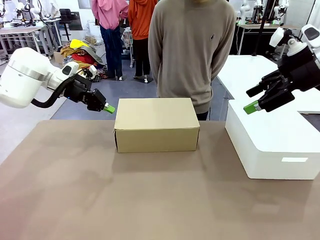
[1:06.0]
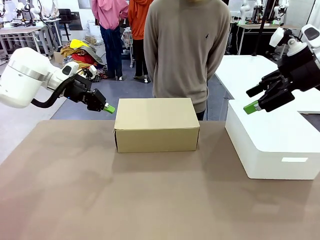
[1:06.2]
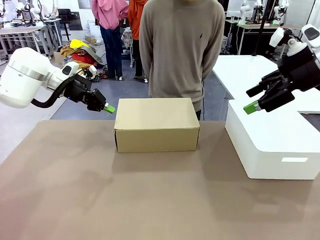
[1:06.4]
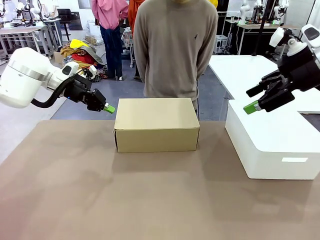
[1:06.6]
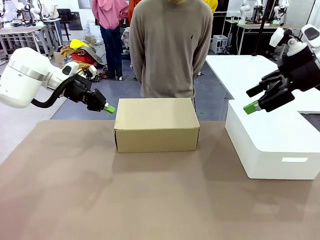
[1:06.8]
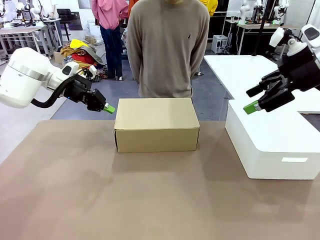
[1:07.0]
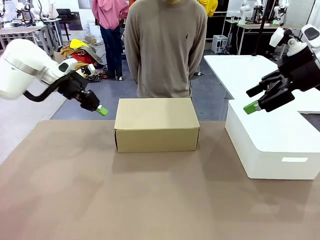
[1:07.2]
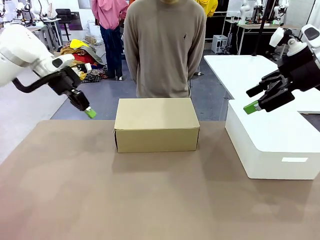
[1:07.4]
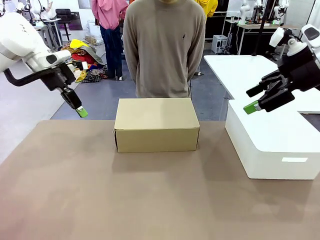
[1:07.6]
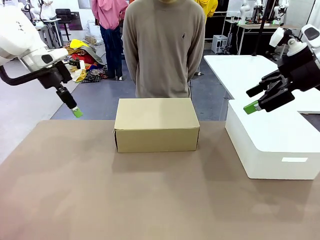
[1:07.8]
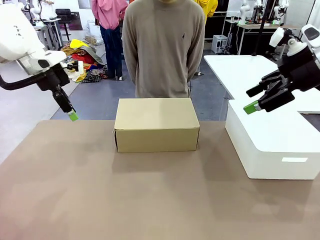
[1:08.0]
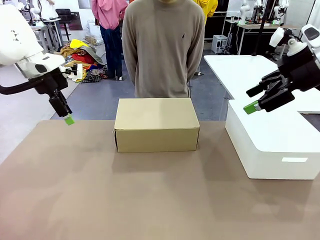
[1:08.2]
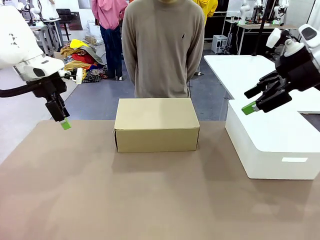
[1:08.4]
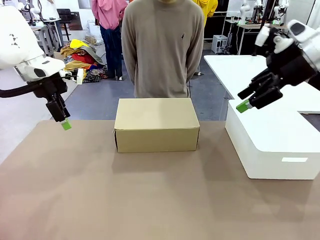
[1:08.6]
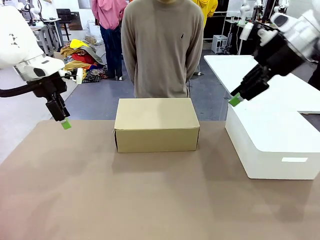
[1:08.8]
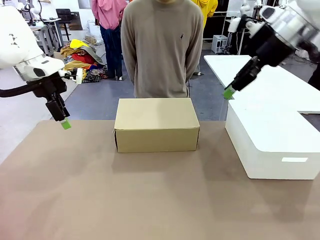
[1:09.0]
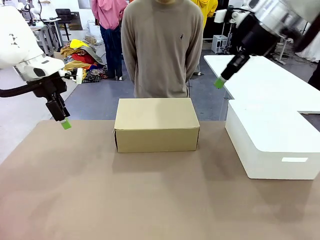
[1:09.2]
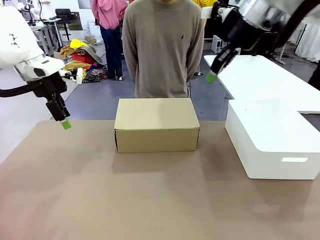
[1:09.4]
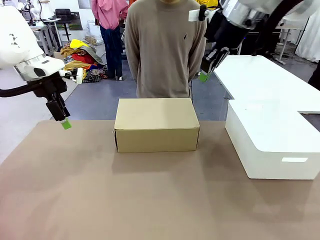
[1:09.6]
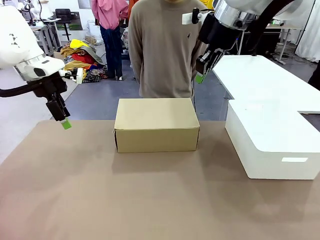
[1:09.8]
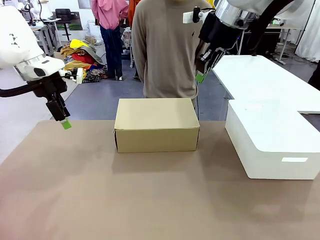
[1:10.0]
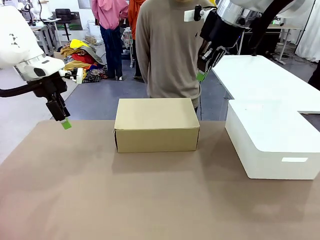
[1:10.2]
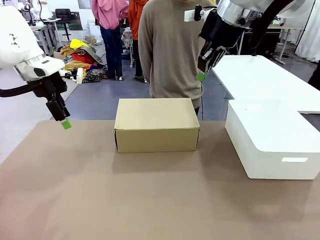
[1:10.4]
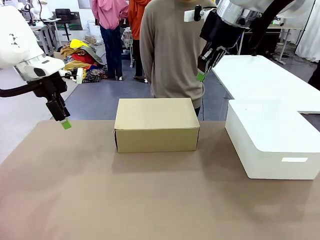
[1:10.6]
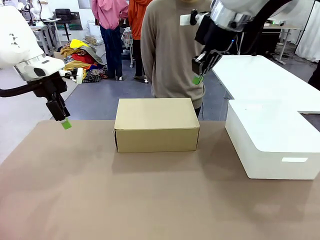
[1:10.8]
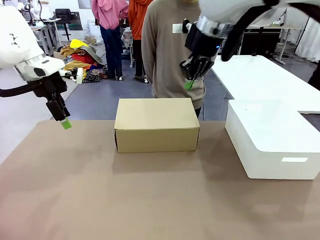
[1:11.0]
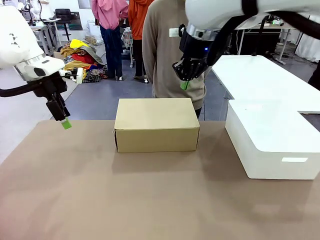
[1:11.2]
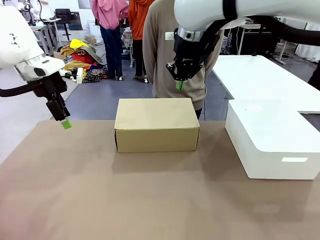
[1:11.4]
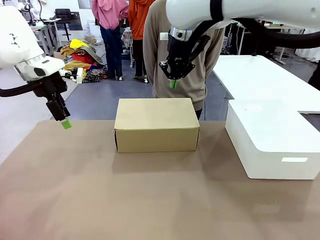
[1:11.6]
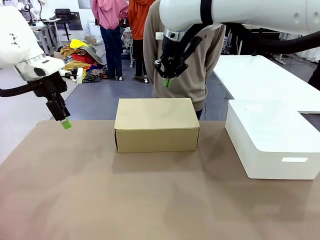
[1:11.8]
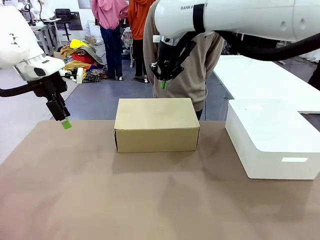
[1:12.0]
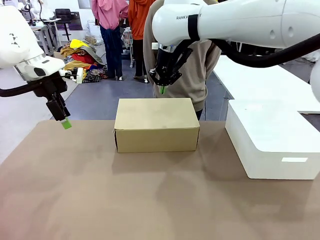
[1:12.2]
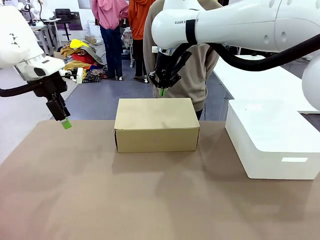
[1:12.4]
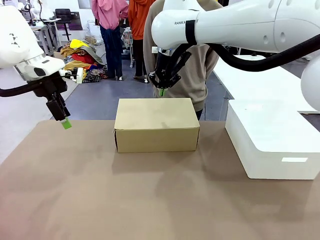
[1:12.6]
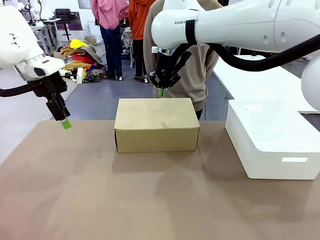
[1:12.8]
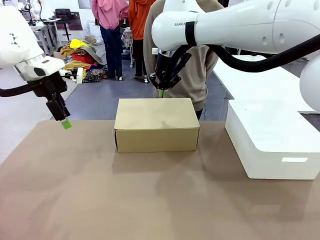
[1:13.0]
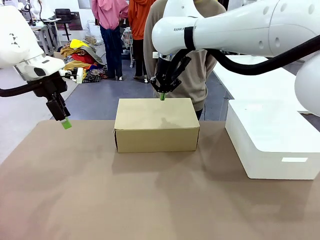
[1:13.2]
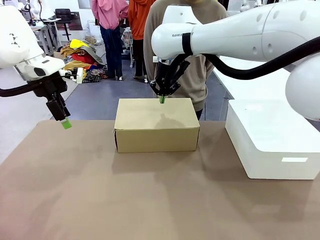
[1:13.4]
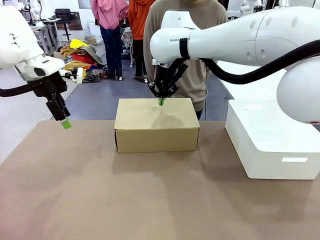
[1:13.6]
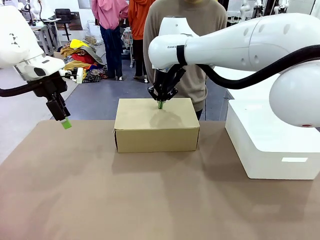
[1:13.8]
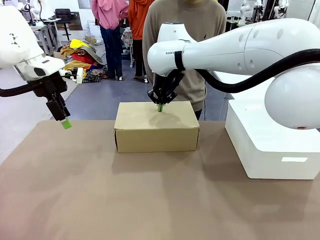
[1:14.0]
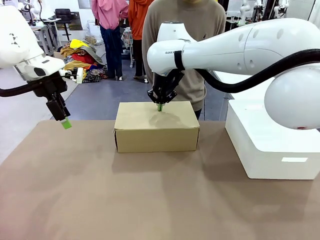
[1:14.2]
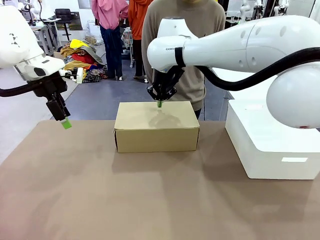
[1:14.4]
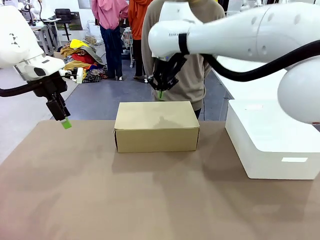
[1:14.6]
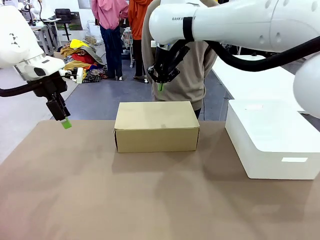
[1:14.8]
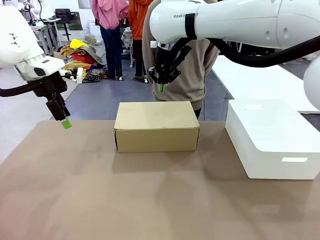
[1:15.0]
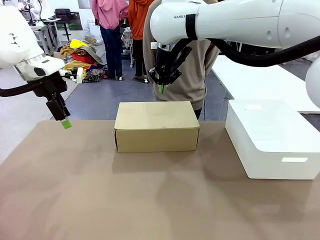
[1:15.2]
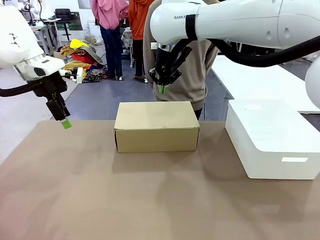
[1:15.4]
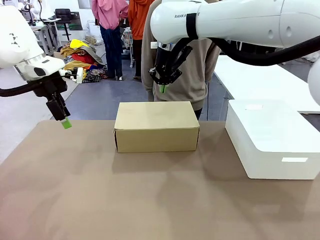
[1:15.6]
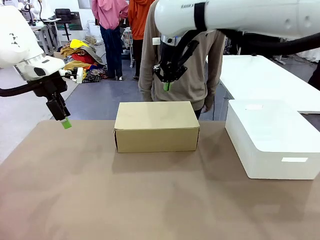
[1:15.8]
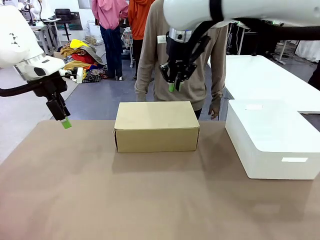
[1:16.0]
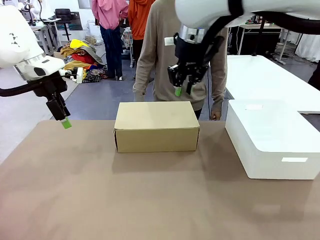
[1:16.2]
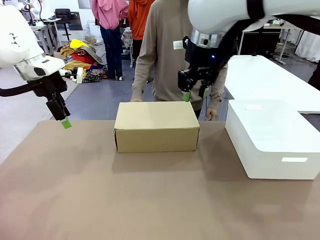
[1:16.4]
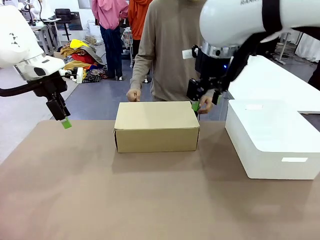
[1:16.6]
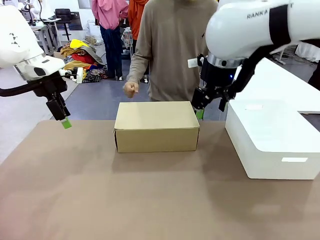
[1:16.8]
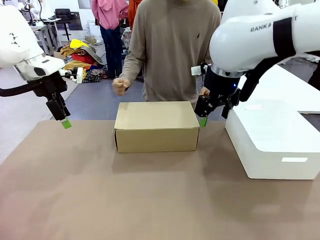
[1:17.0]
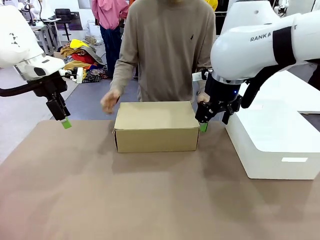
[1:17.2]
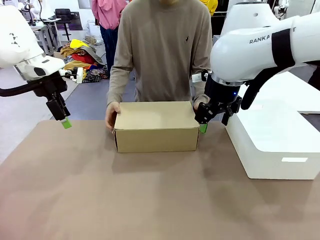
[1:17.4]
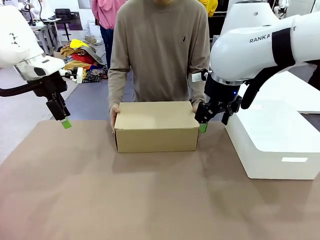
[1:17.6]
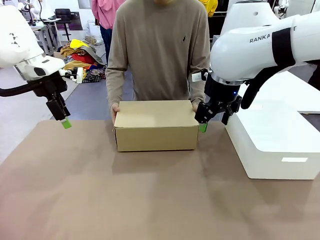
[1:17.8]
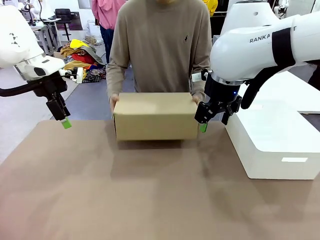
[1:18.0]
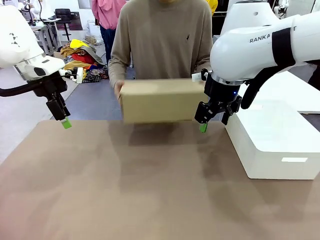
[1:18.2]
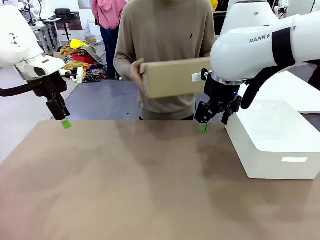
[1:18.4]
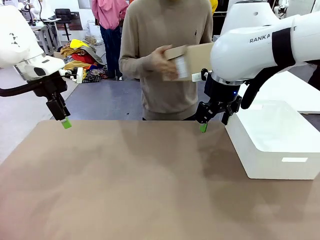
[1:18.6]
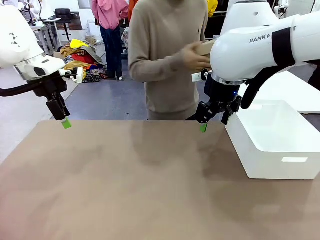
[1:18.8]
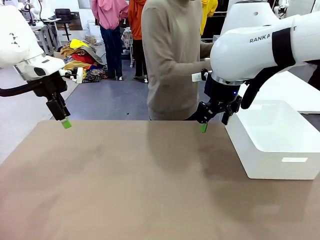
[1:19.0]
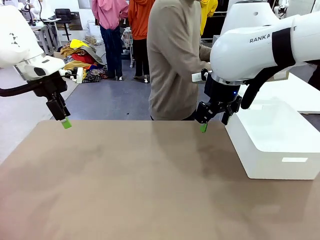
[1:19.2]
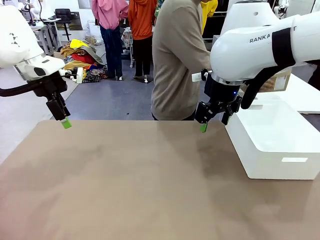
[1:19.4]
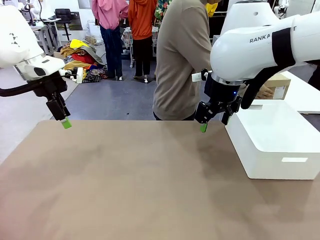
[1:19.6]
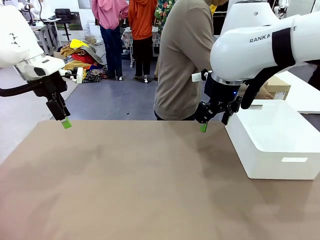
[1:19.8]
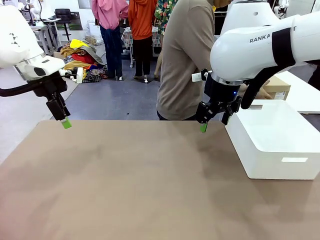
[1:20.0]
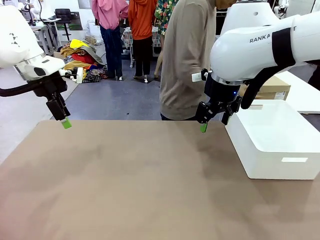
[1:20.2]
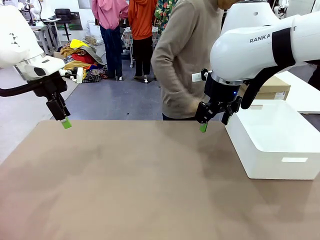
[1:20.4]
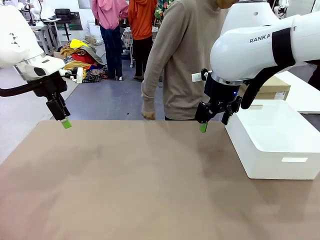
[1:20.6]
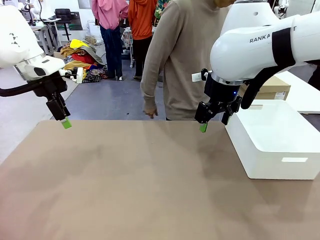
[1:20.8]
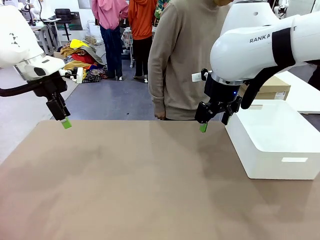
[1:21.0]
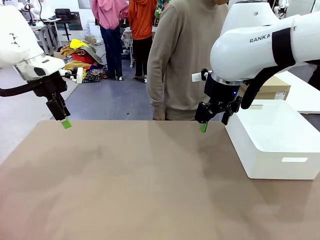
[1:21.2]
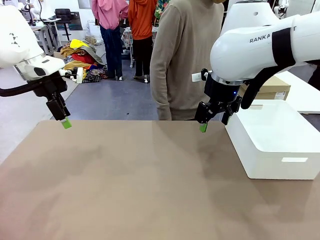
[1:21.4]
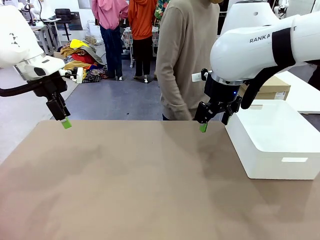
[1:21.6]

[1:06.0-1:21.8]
Task: Pack the shoes into the box.
Robot: Press down on the lid of the Shoes Box.
Person: Place the closed Shoes Box to the right side of the human table.

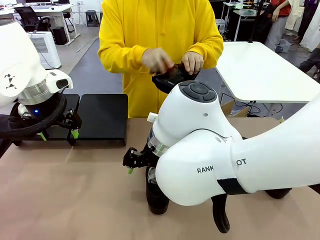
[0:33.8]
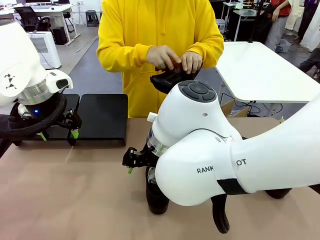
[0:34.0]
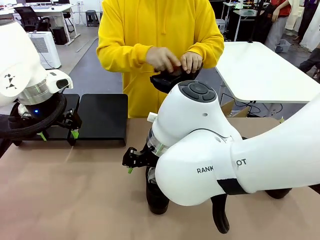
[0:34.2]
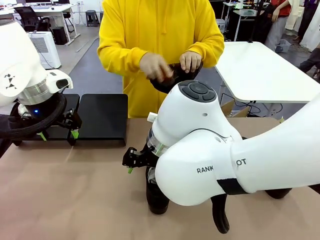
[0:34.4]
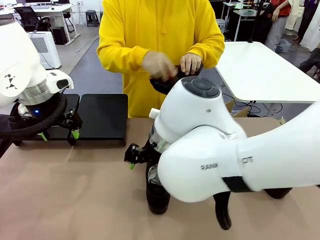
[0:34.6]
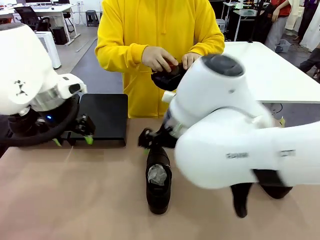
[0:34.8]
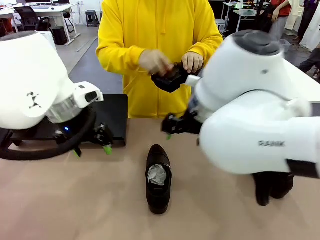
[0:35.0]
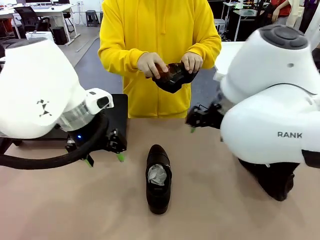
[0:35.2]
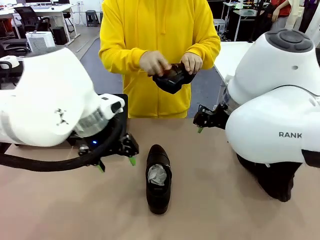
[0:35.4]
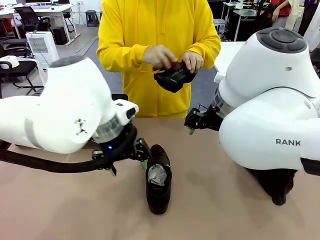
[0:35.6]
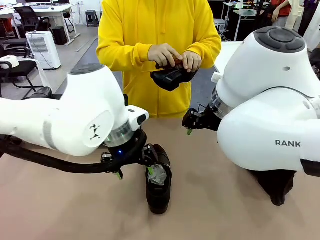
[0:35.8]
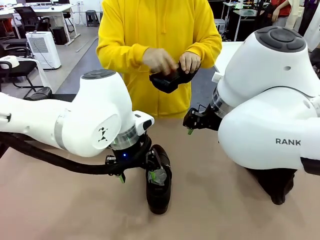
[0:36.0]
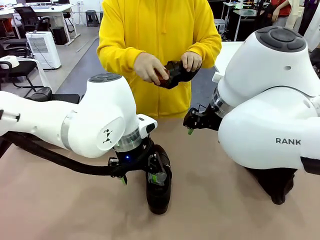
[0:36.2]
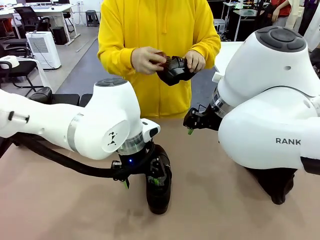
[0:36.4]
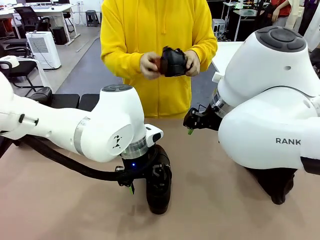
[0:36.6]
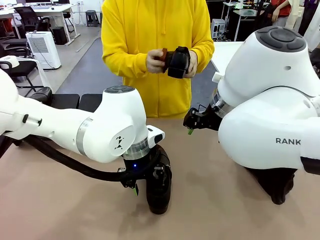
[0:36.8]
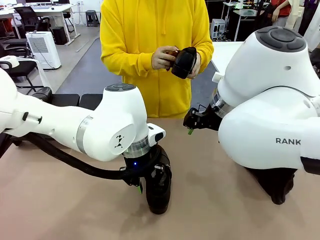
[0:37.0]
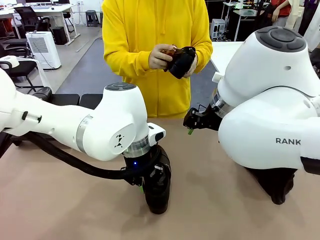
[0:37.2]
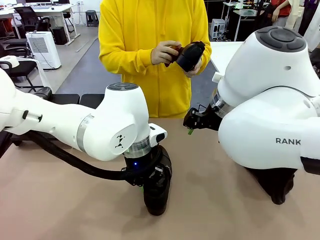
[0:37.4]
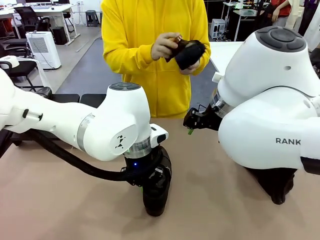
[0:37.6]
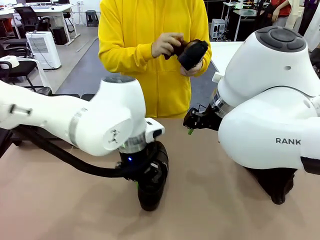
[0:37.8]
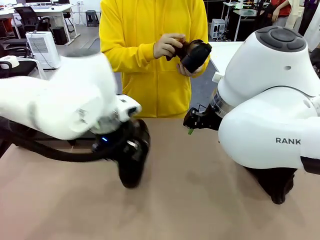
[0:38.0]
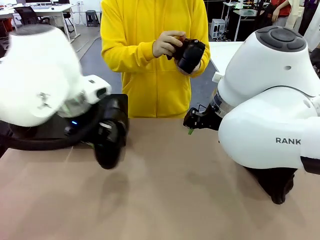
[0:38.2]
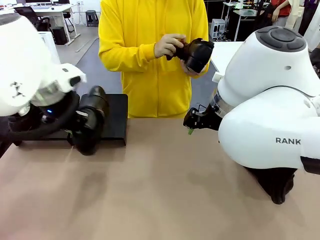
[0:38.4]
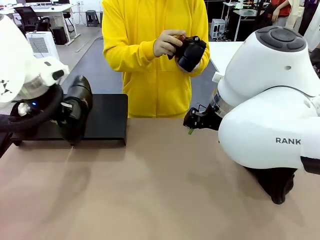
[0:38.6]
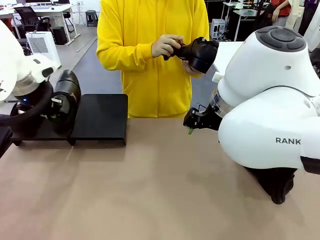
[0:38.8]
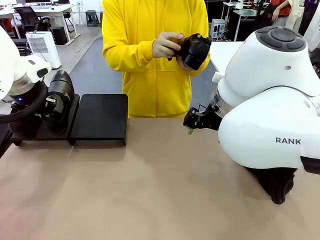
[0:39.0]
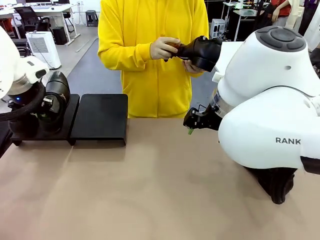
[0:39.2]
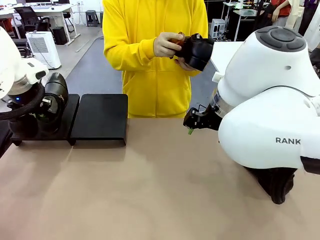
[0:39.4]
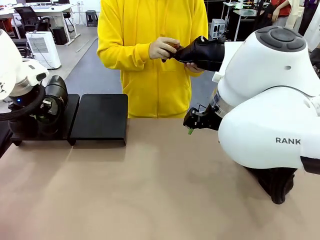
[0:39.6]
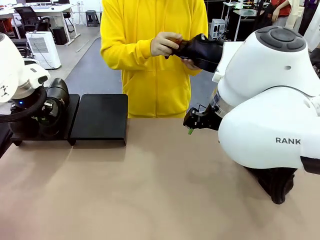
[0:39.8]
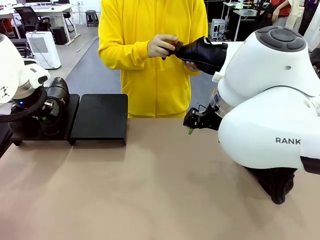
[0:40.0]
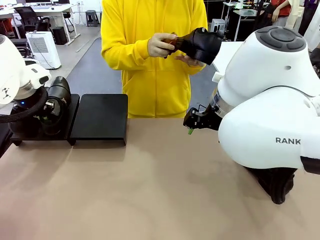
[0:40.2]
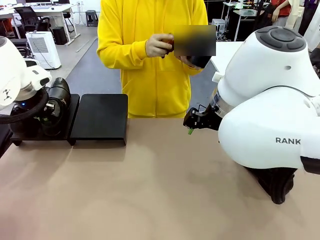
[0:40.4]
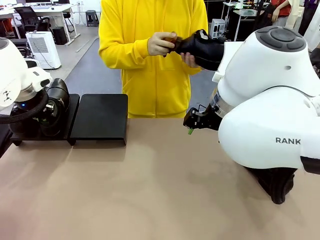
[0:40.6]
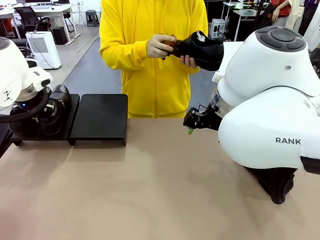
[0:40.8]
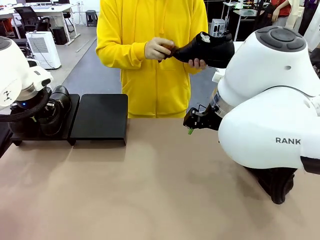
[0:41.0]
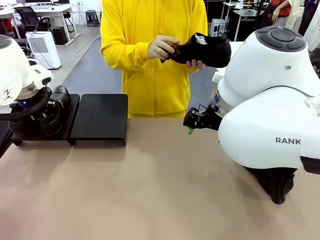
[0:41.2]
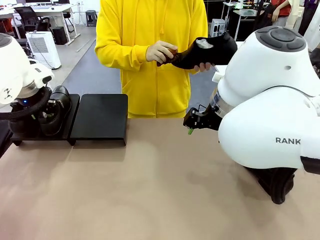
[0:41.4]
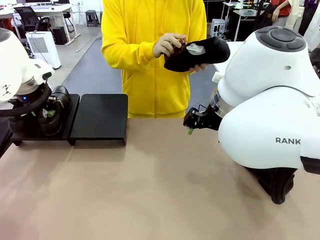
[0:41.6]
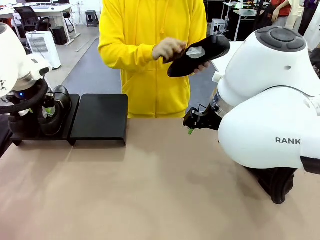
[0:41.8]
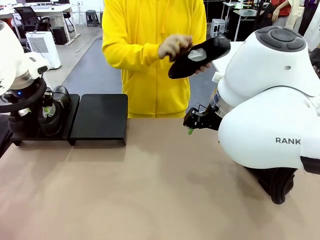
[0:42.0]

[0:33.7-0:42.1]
Task: Organize the shoes by placing them on the stand.
Robot: Place the Shoe from the middle of the table onto the Shoes Stand.
